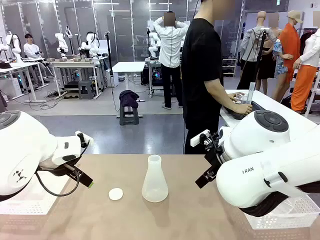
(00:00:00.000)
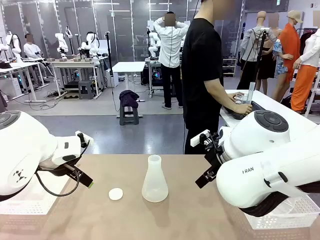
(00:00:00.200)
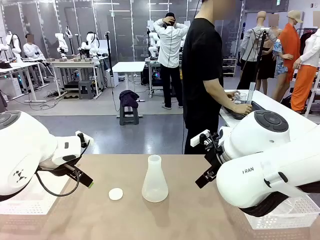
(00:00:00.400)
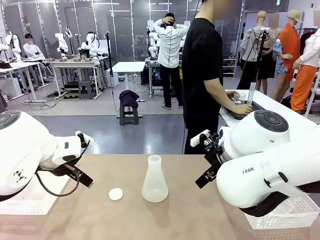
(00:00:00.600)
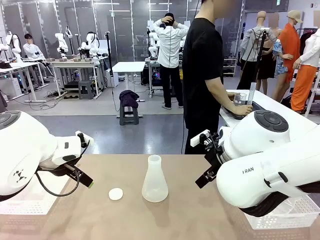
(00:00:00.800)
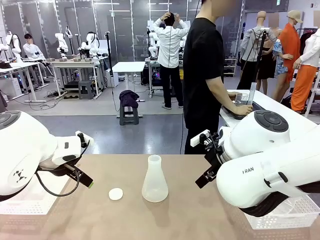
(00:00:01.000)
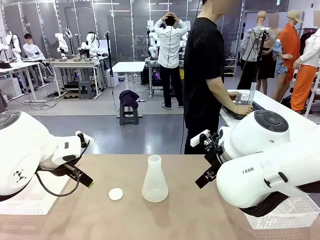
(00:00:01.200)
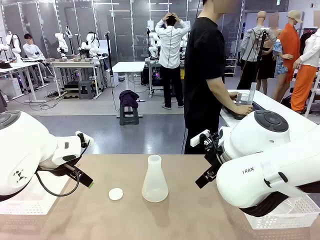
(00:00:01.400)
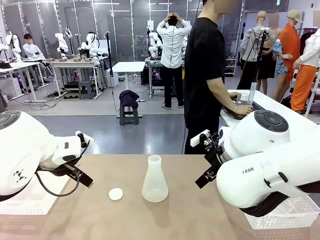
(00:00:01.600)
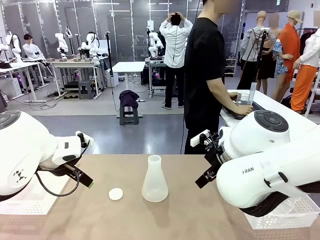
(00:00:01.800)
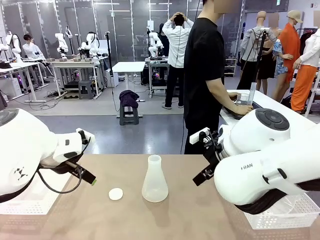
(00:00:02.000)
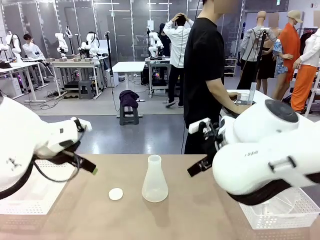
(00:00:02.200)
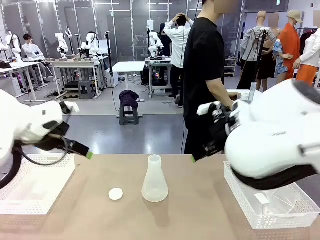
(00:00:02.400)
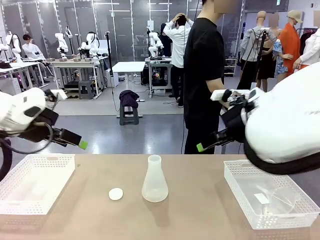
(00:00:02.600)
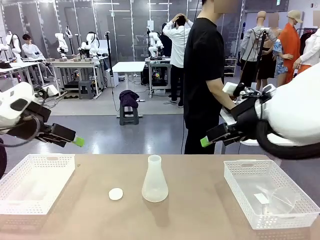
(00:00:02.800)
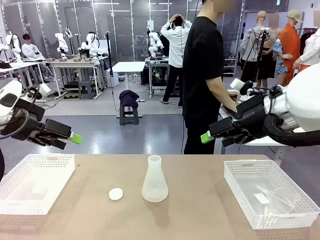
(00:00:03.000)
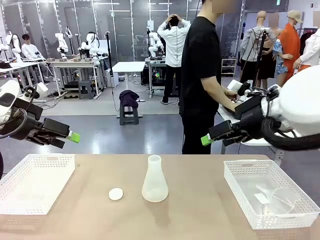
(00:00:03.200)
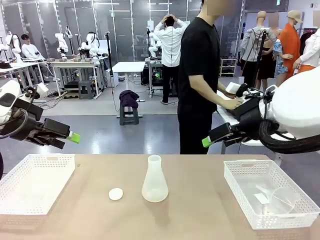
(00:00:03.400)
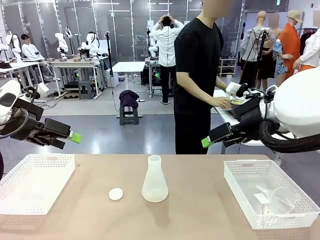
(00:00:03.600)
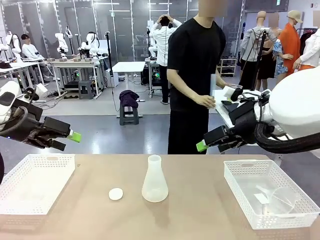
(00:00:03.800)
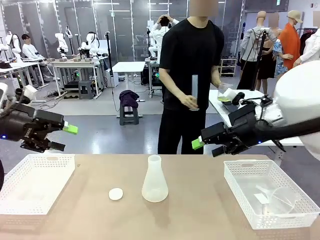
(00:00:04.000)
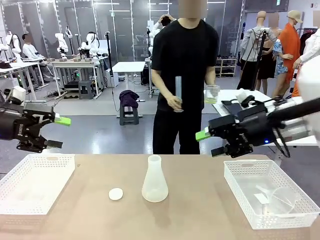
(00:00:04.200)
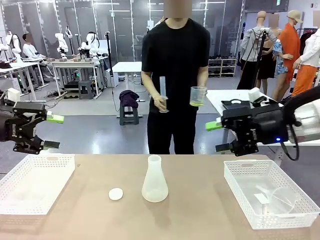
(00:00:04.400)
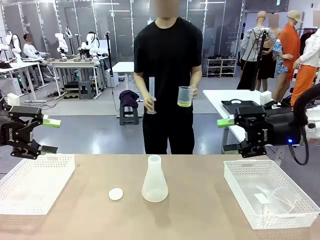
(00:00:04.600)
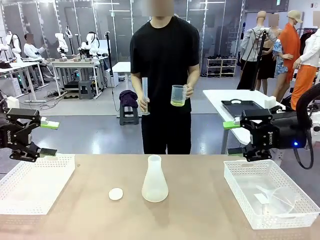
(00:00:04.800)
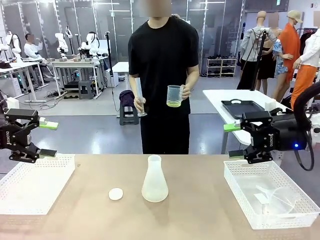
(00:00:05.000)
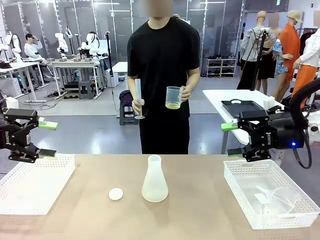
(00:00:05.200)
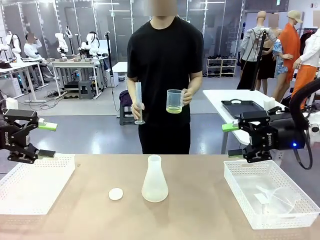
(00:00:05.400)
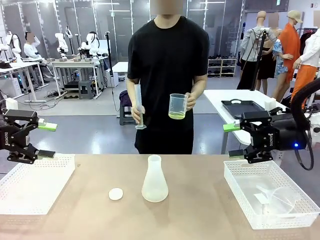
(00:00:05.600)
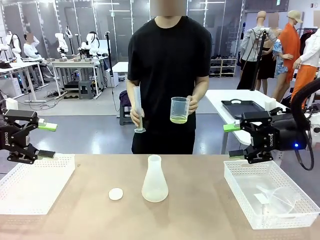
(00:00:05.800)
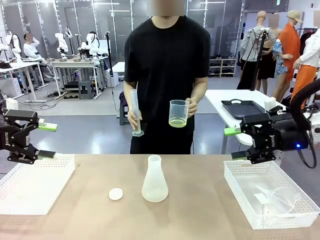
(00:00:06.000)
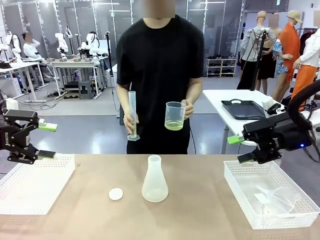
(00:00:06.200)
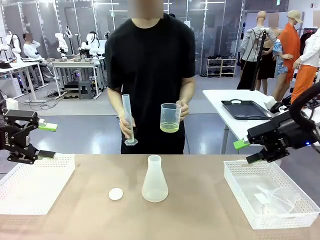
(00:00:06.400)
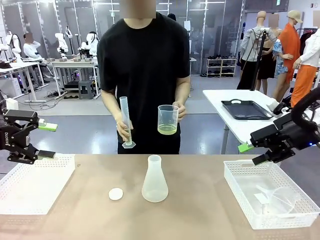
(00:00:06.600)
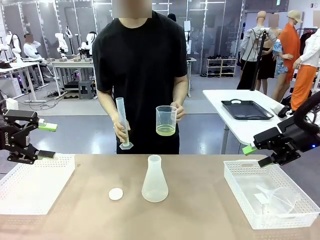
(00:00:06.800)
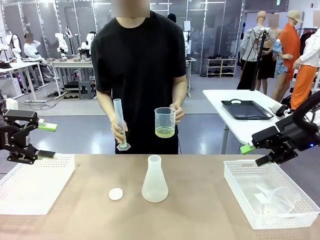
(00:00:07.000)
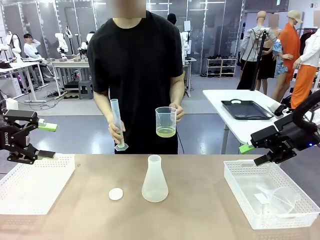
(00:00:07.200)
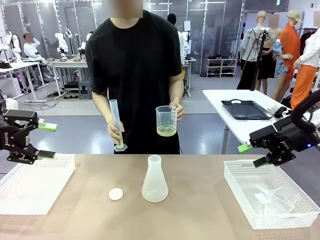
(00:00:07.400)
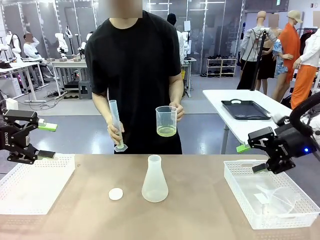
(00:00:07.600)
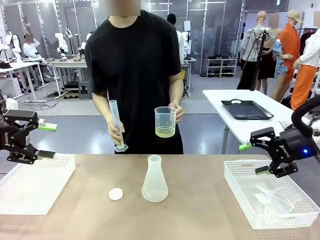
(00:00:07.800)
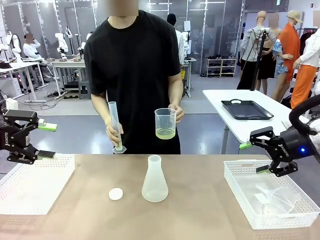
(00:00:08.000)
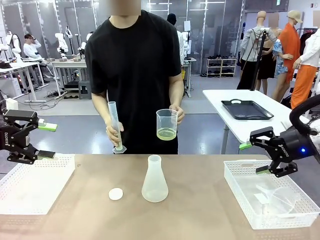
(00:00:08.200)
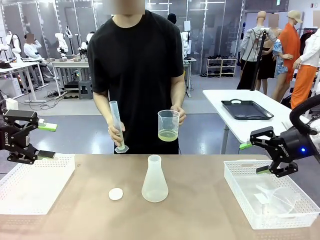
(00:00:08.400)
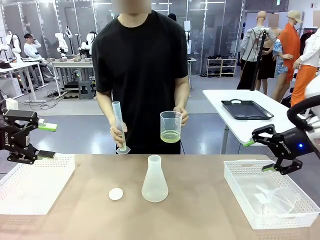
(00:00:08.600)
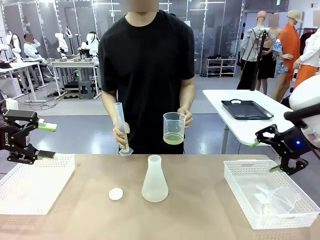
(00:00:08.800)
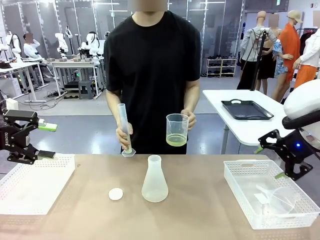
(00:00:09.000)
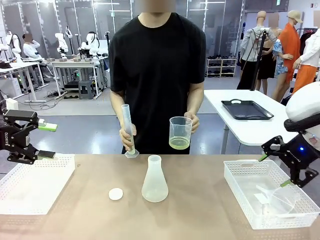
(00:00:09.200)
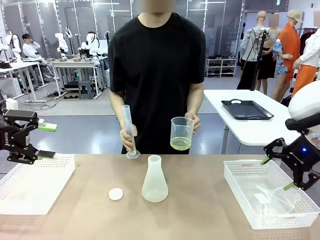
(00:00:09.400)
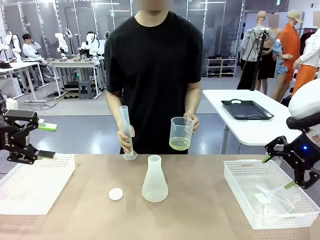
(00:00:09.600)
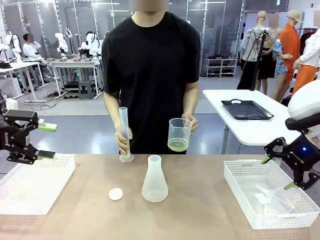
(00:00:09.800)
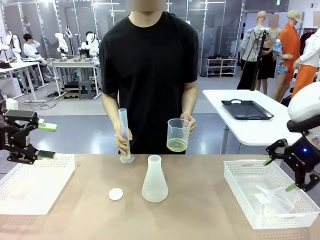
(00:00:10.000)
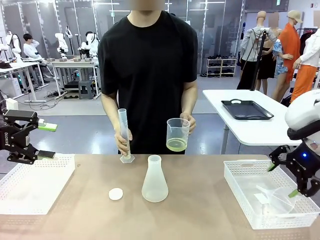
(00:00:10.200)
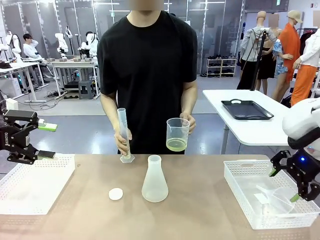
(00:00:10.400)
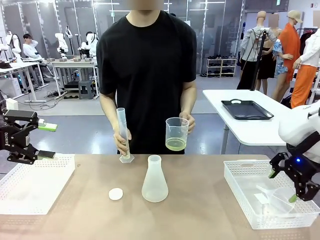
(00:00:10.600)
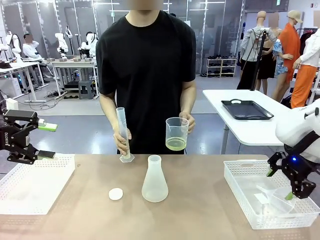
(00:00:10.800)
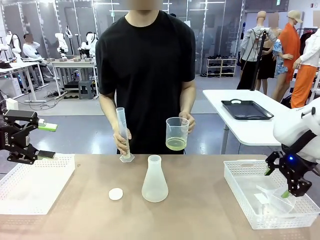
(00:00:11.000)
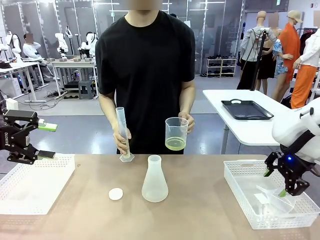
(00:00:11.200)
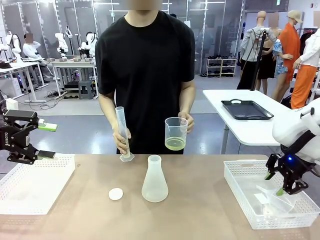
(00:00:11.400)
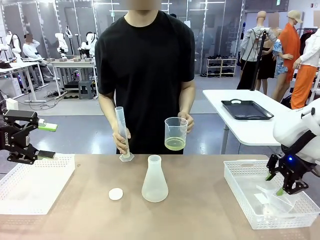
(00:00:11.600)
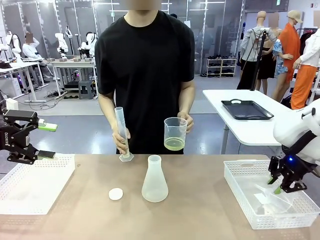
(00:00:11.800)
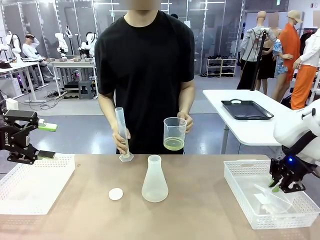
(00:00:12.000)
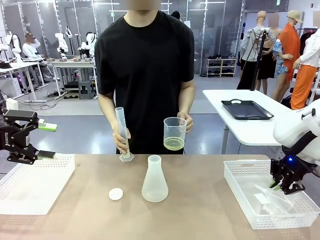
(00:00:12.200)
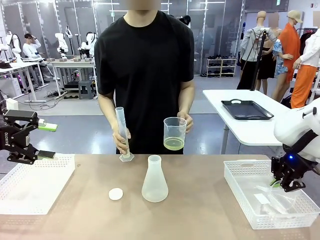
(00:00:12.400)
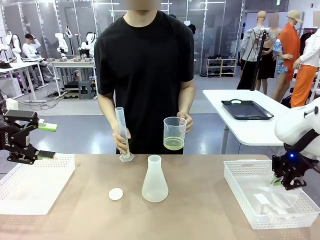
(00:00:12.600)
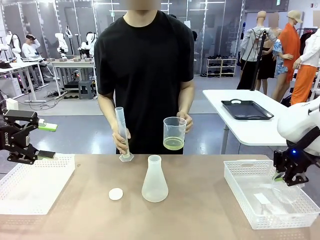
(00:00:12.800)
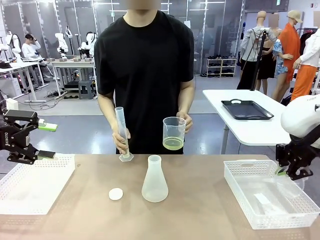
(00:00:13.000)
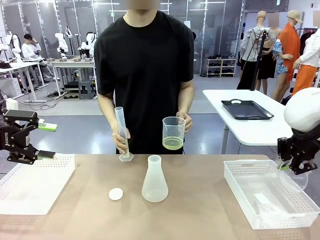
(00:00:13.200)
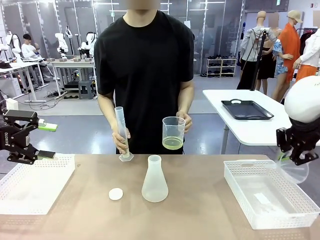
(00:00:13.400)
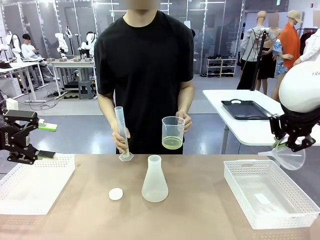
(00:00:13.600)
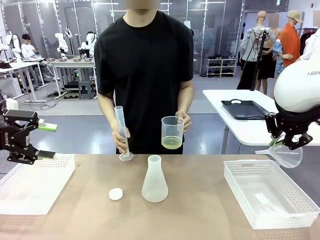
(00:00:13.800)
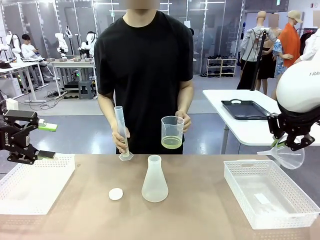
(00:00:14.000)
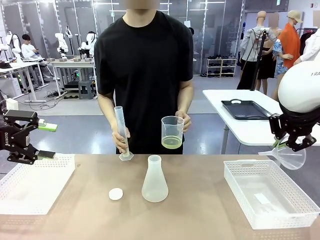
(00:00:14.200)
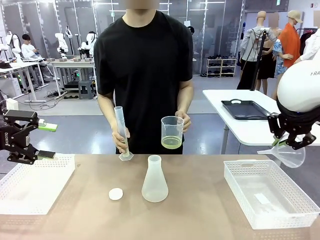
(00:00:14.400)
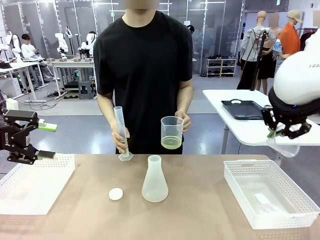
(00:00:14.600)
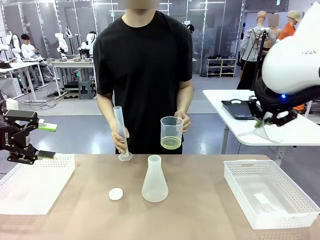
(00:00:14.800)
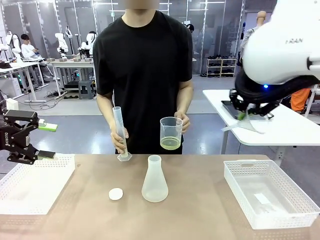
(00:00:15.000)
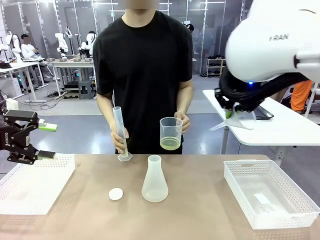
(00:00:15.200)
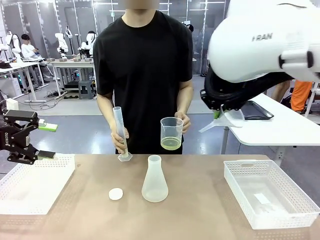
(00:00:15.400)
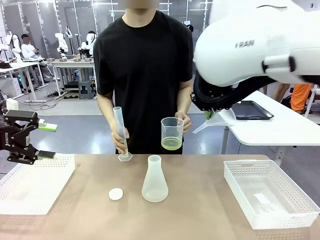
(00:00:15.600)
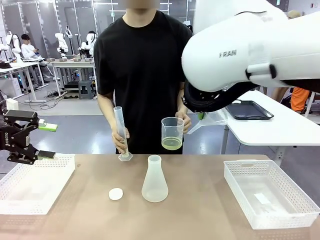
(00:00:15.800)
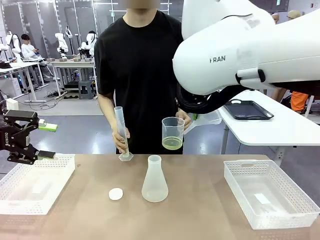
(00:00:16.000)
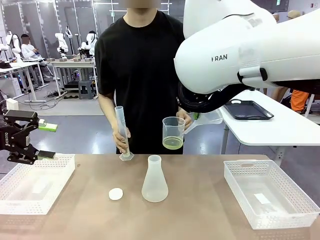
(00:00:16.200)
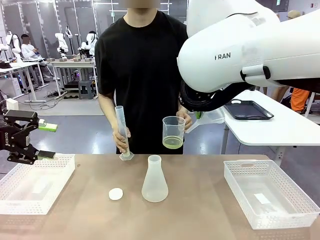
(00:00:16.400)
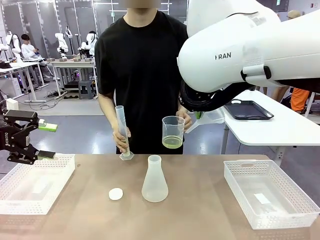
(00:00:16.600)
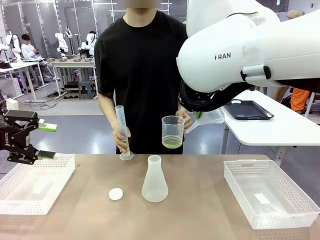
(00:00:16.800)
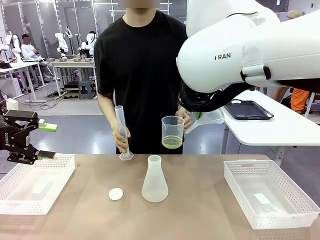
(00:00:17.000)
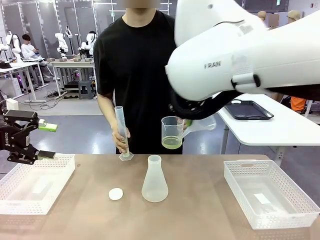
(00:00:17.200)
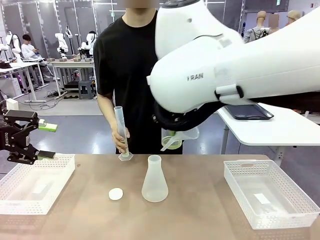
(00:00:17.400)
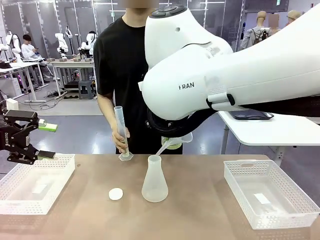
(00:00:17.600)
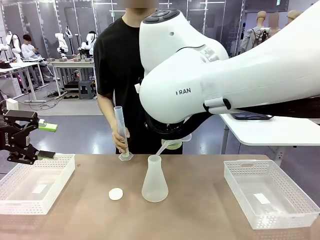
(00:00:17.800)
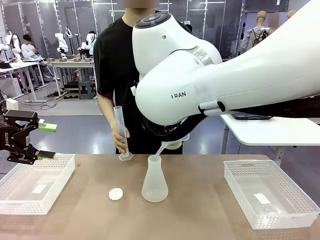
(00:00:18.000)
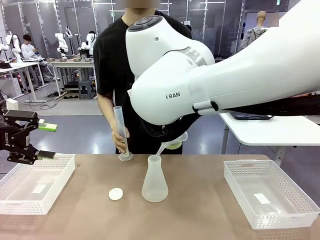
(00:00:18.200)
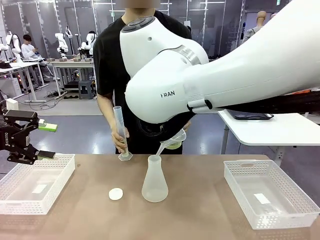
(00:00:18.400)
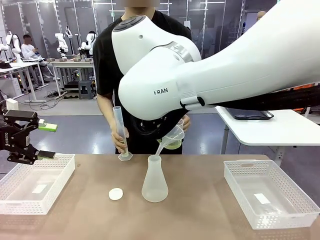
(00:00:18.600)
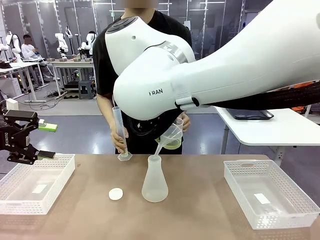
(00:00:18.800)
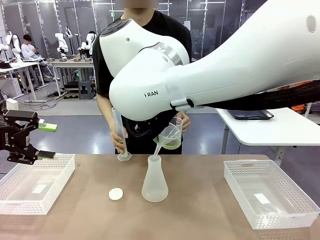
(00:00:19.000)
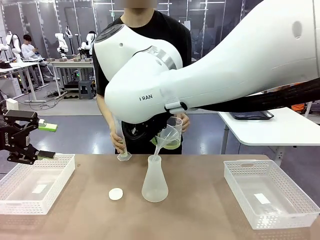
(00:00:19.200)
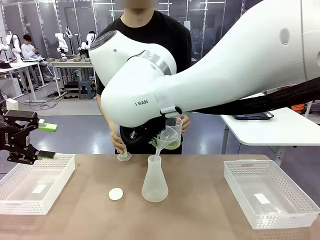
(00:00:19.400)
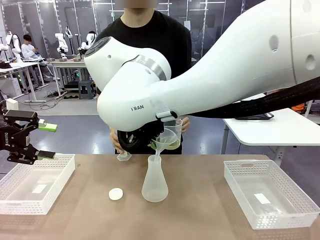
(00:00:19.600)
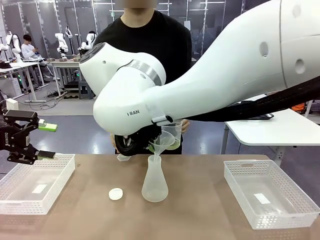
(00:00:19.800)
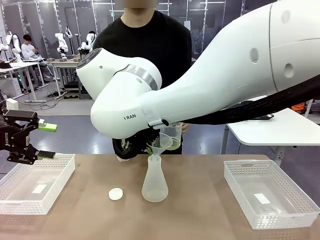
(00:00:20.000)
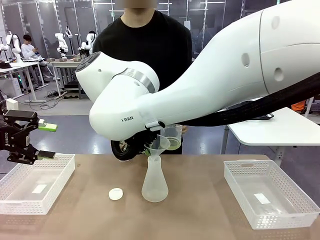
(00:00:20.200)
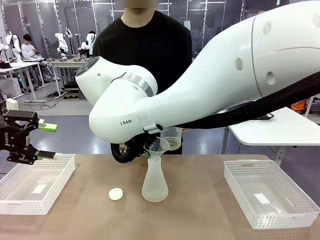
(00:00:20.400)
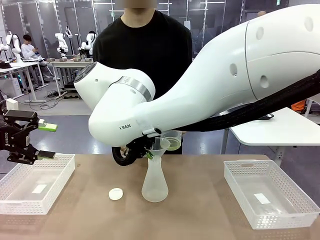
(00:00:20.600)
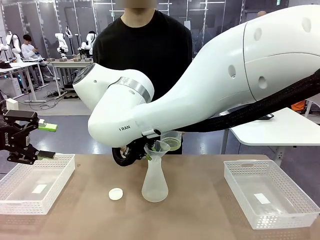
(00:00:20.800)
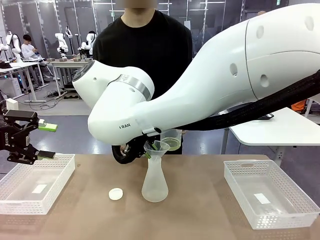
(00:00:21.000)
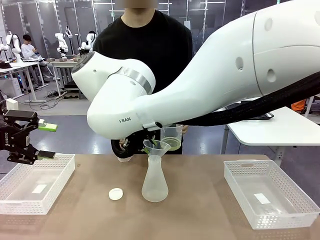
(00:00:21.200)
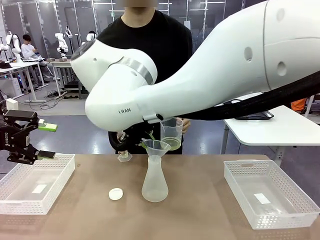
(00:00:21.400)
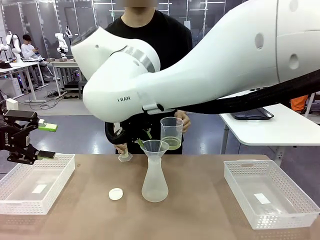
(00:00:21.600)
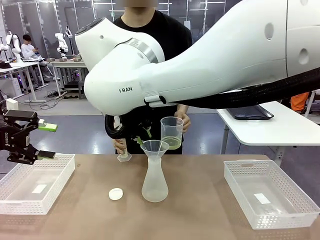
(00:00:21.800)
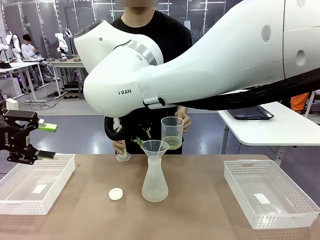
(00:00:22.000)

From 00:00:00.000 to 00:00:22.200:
Task: Prepare the solutions needed for the experiment.
Robot: Pick up the Plastic Funnel and insert it into the Big flask.
Person: Pick up the beaker and the cylinder and move to the middle of the robot table. Pour the solution from the beaker and the cylinder into the flask.
